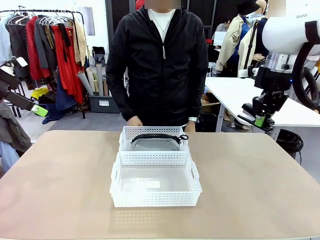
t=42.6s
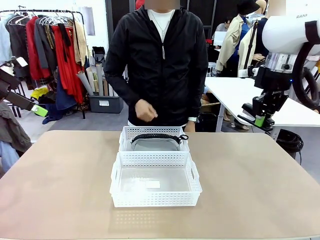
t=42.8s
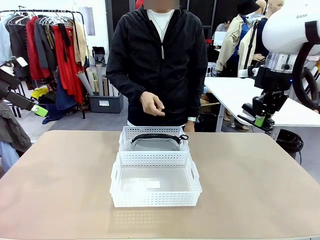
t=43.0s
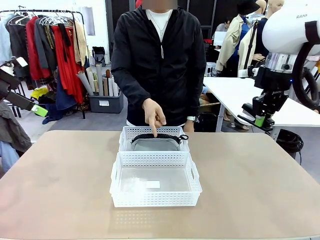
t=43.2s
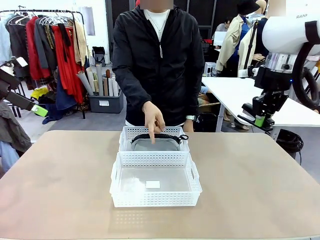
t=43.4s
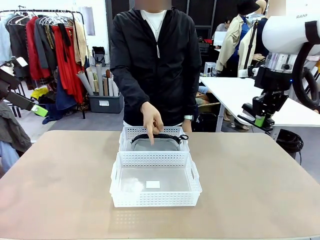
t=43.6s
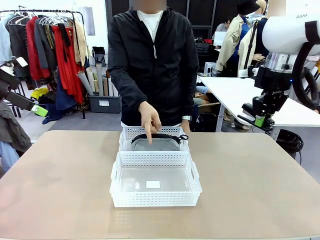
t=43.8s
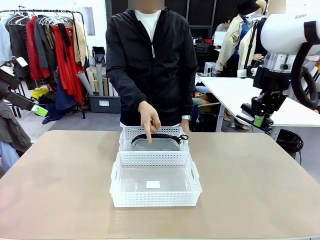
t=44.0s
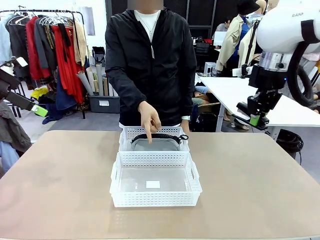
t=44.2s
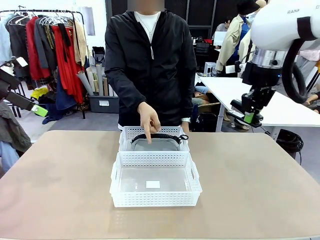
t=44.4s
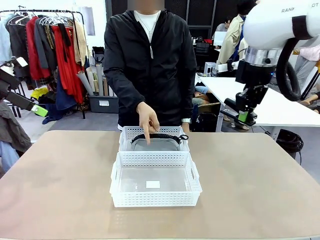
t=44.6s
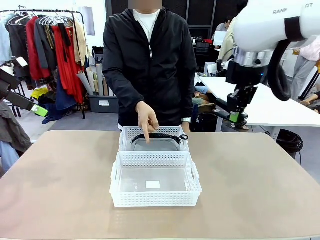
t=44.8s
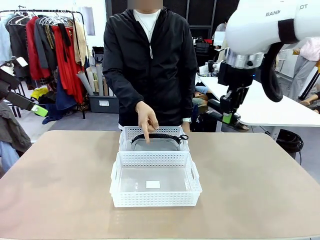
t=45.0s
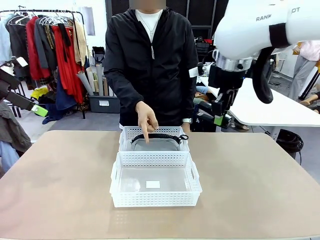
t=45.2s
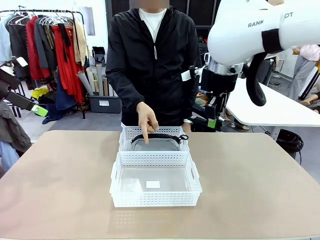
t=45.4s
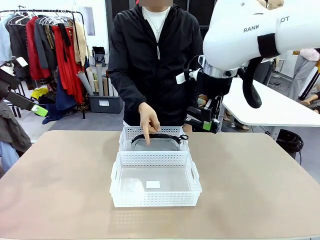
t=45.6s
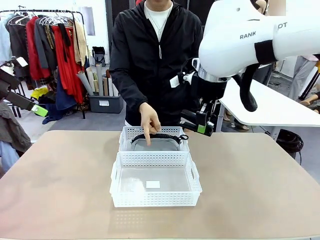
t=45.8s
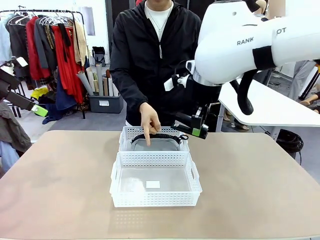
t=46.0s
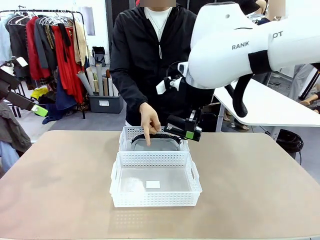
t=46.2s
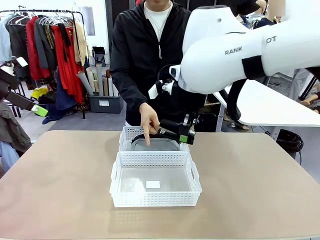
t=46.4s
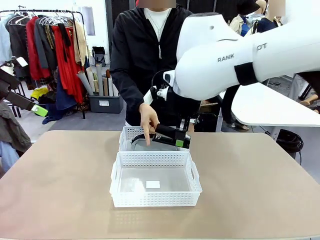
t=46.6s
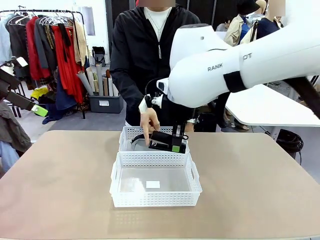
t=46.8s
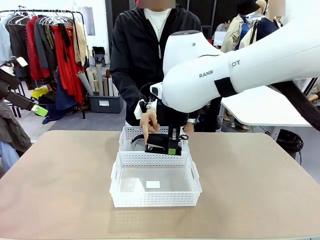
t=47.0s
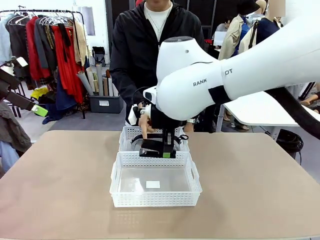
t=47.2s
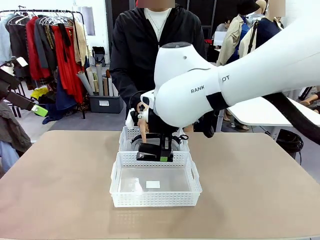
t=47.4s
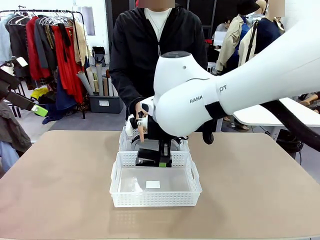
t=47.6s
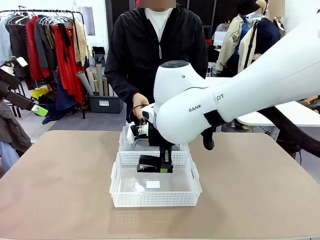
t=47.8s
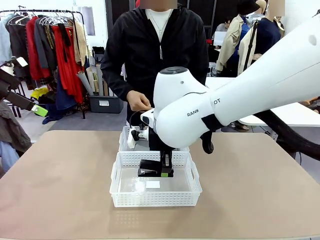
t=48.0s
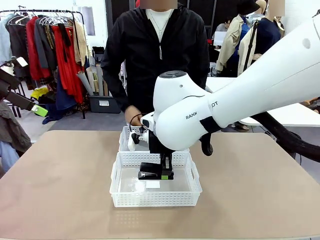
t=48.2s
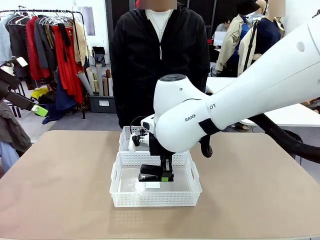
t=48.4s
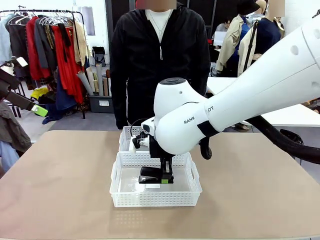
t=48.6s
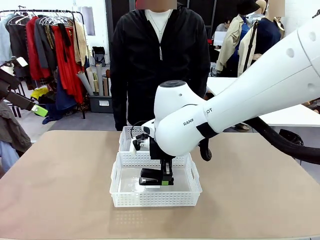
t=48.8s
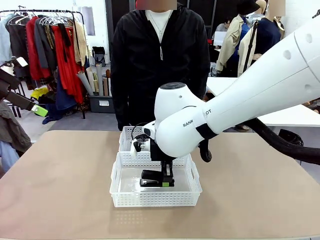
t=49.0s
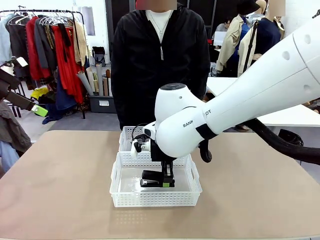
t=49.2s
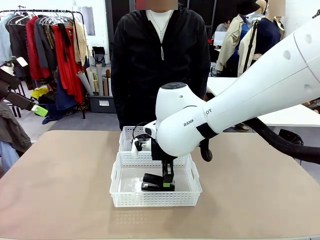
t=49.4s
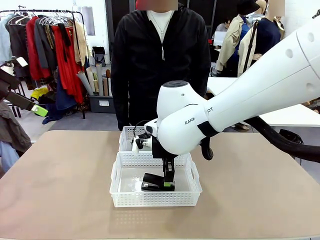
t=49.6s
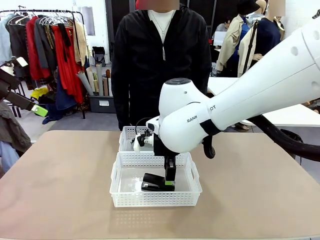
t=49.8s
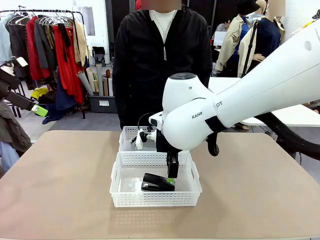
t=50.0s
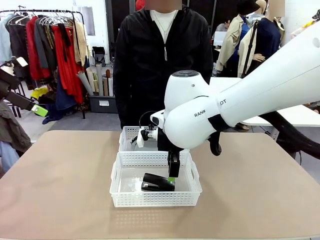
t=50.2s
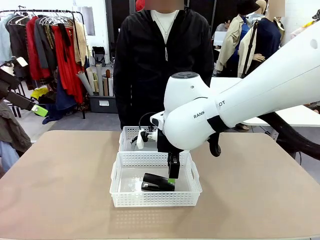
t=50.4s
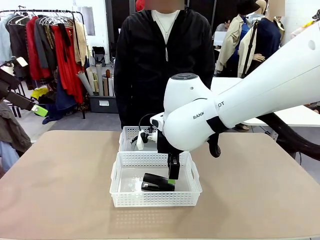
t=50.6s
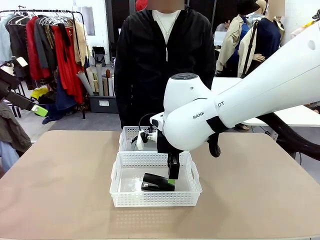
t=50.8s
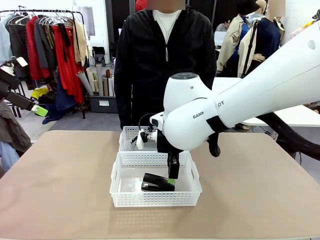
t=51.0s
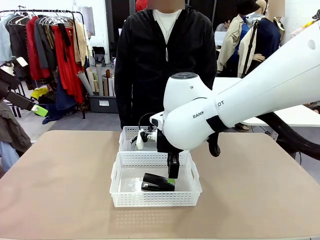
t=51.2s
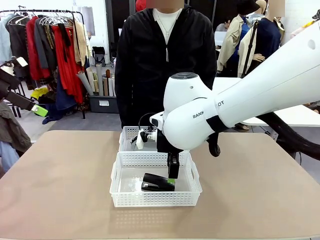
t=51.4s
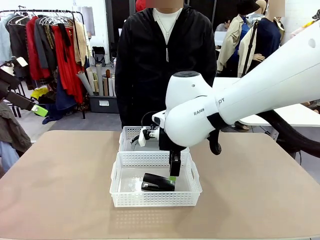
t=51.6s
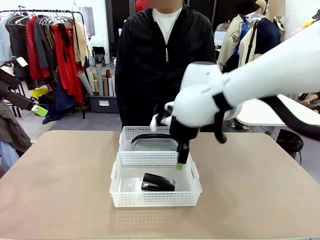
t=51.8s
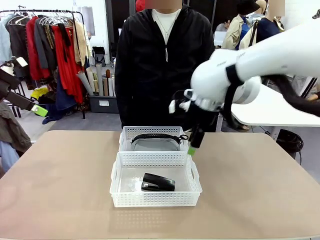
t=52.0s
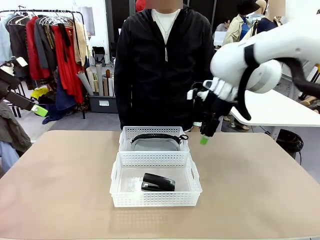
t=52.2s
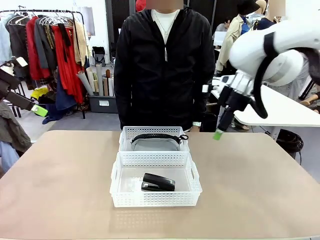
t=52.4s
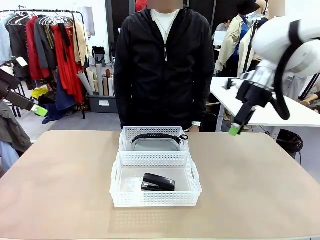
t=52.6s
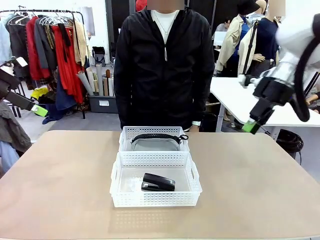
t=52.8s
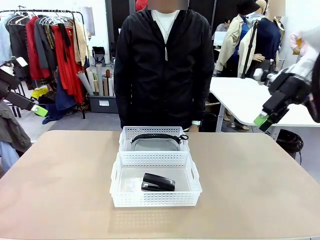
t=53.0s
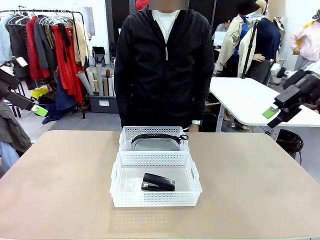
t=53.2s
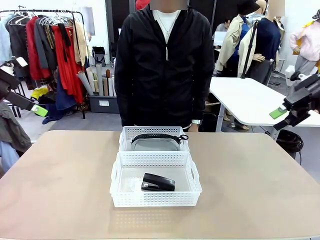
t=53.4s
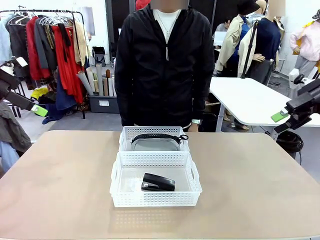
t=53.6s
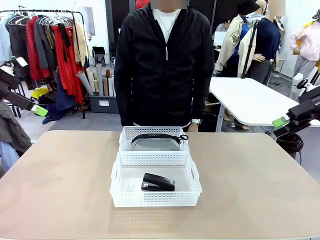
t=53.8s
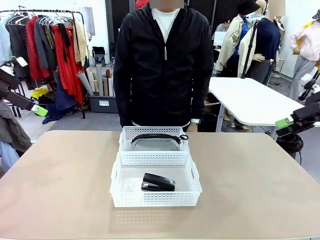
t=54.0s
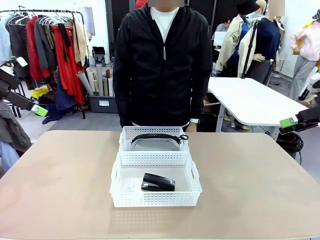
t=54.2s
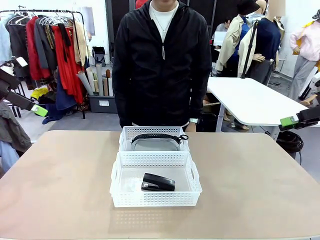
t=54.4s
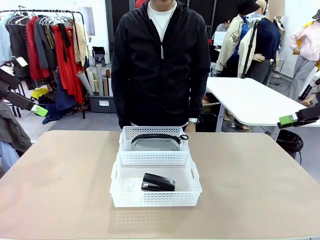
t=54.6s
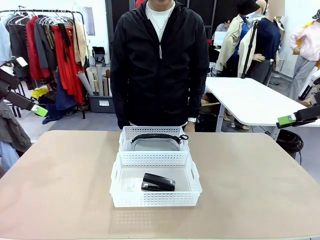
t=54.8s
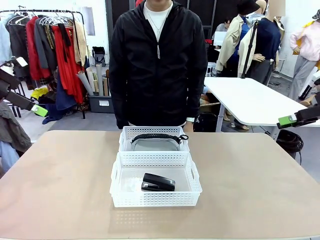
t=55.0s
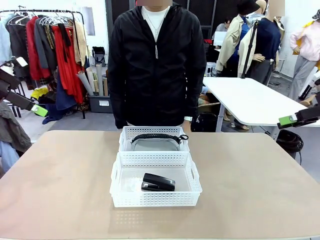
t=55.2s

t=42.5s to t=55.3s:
Task: Distribute items into two baskets.
Robot: Place the picked Stapler into the Organizing basket as instructed by the person.
Person: Points to the basket that does not contain the pencil case and instructs the robot to move the stapler there.

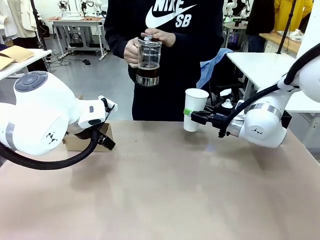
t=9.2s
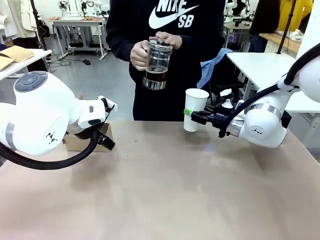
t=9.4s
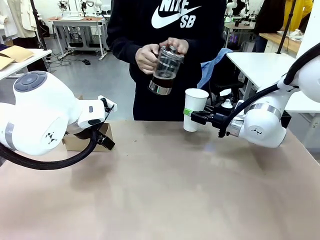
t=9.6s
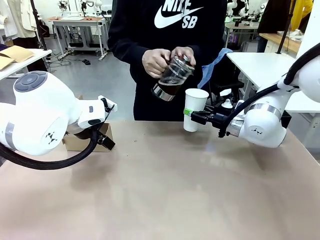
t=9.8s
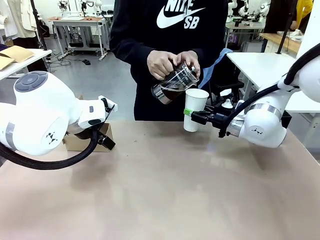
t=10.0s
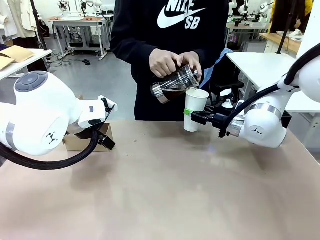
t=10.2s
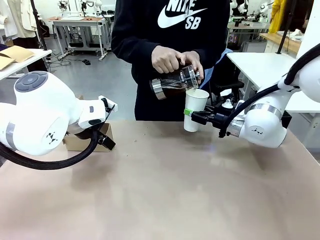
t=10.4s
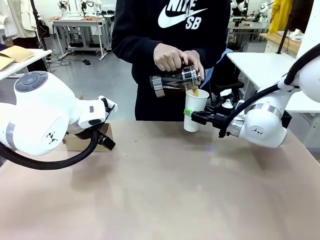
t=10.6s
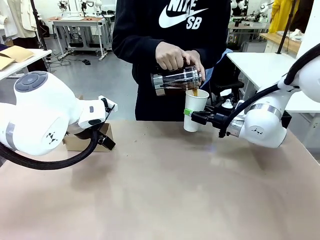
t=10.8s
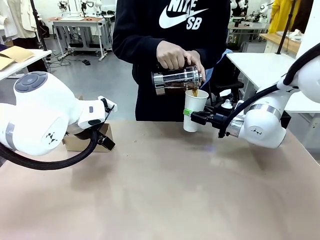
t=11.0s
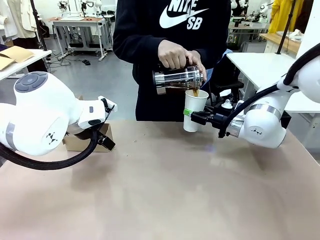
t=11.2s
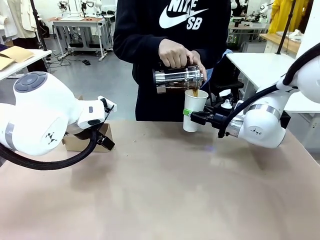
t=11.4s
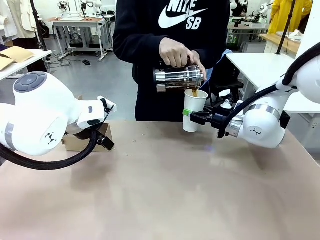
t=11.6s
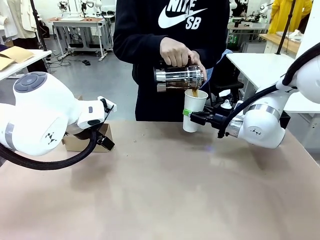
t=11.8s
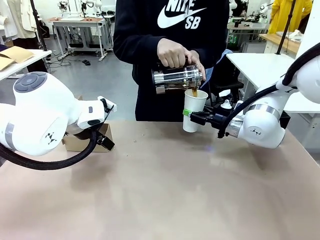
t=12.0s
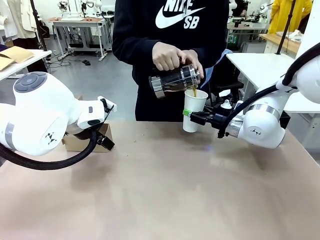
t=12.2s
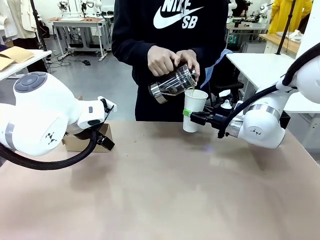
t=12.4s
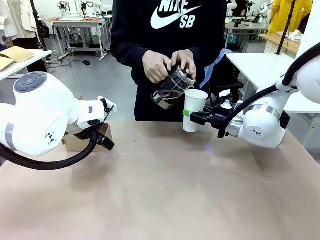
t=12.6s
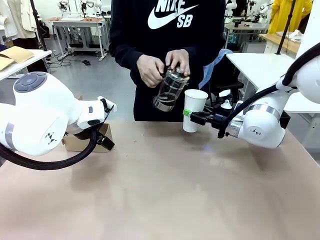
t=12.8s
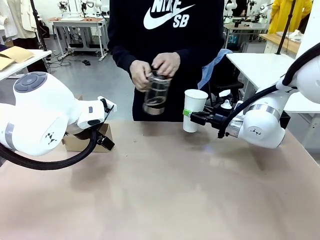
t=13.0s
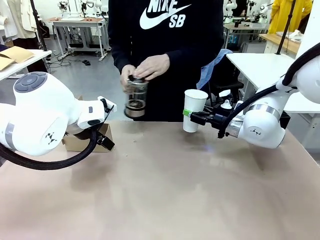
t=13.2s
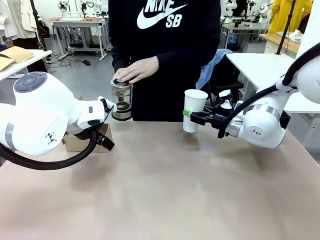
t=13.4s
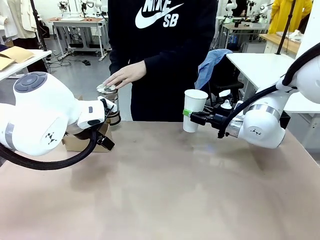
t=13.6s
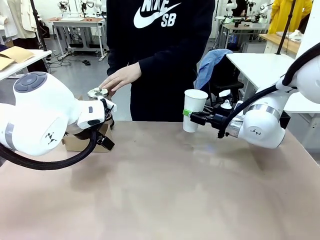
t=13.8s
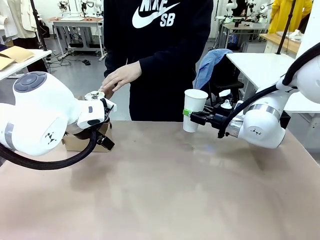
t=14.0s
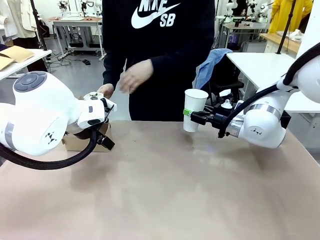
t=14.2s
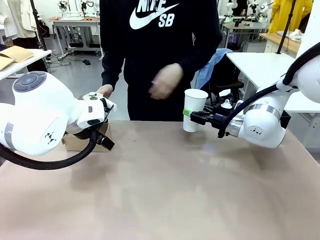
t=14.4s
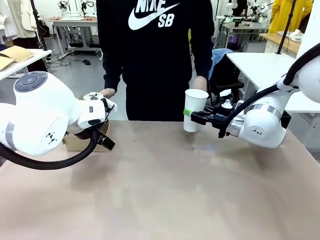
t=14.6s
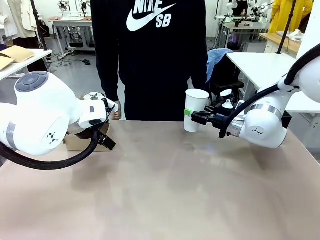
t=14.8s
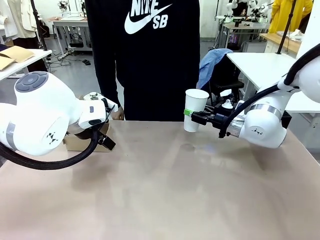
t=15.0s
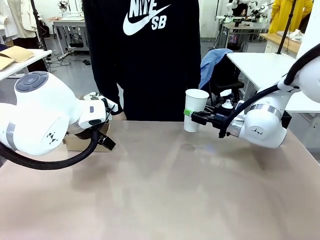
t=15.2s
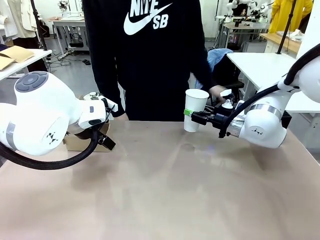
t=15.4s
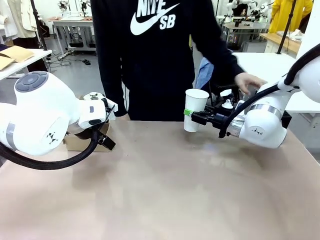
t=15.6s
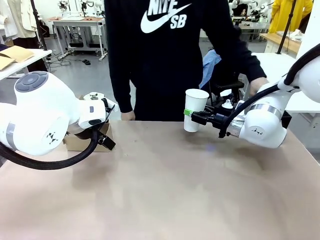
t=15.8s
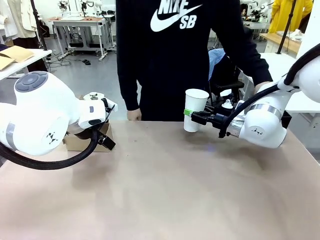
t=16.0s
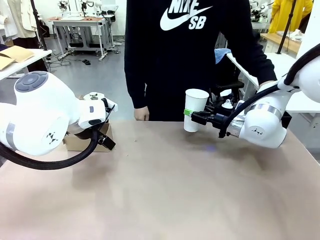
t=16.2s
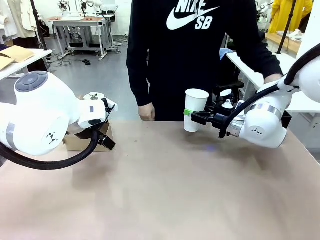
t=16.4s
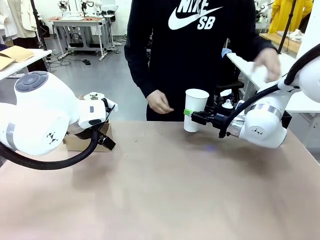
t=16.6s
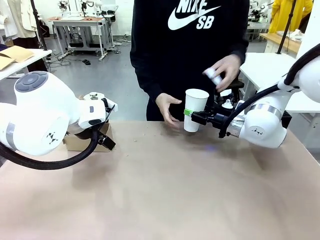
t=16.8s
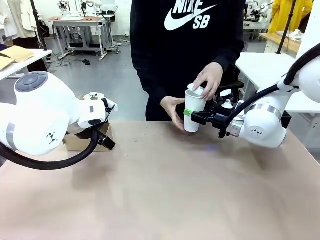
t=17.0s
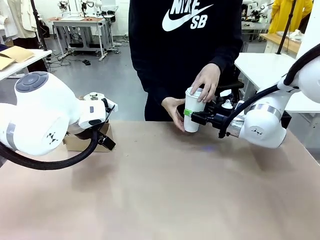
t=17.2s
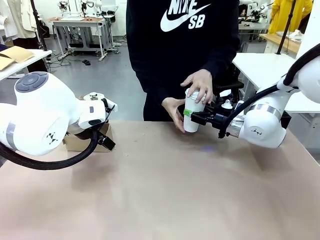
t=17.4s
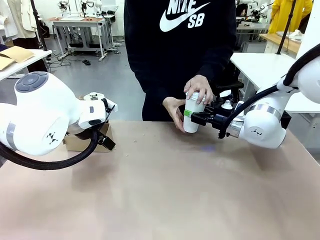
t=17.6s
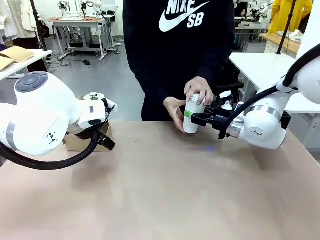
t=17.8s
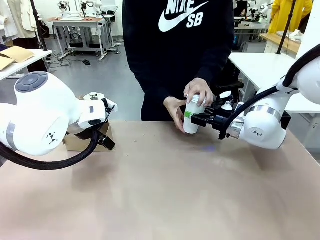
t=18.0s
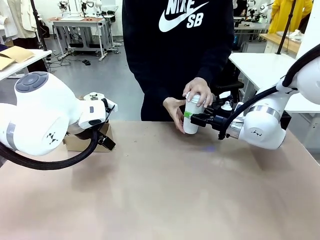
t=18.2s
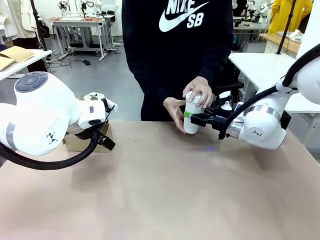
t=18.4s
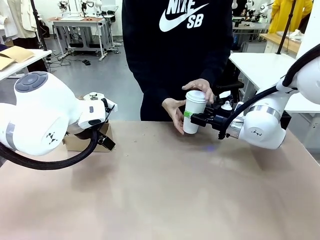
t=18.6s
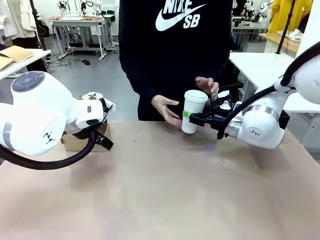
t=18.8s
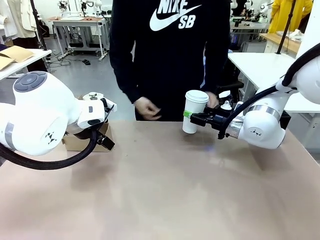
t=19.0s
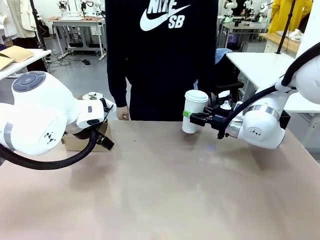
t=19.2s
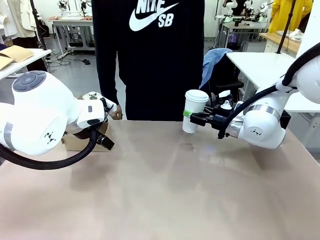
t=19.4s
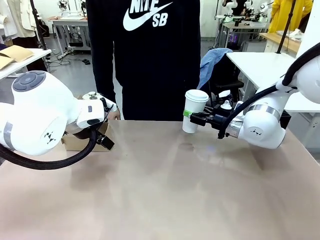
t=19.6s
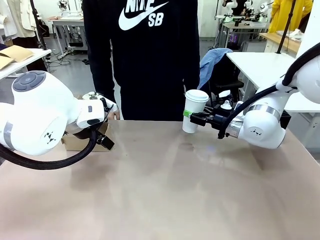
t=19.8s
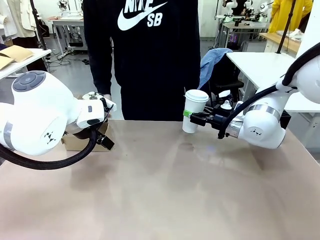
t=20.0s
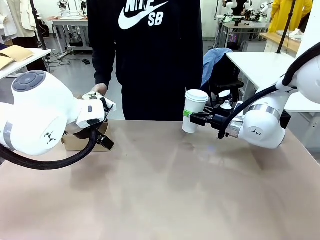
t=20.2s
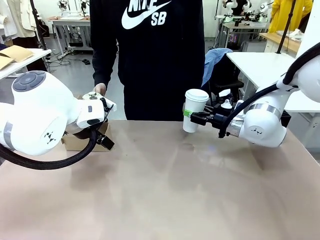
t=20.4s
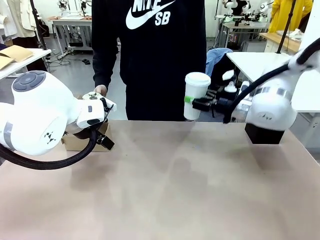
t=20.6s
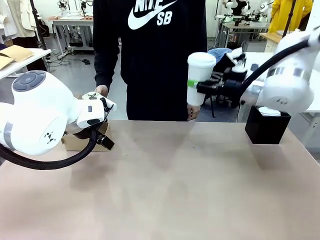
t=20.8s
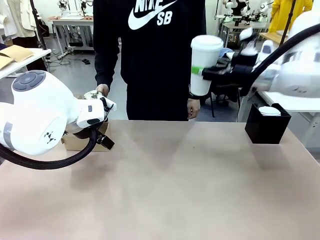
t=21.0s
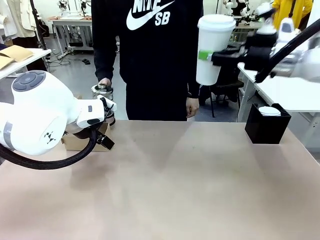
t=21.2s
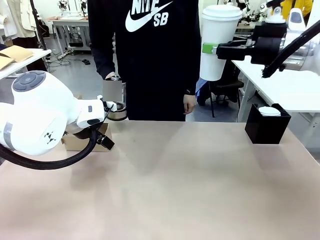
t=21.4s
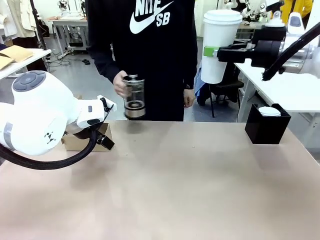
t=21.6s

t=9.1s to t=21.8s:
Task: Pour a drink into a cup and package it in a carrier.
Robot: When a person places the Paper Cup Lid on the 600 ml Paper Cup , lift the 600 ml Paper Cup.
Person: Pour the drink from the Filter Brewing into the 600 ml Paper Cup. Place a Paper Cup Lid on the 600 ml Paper Cup.
